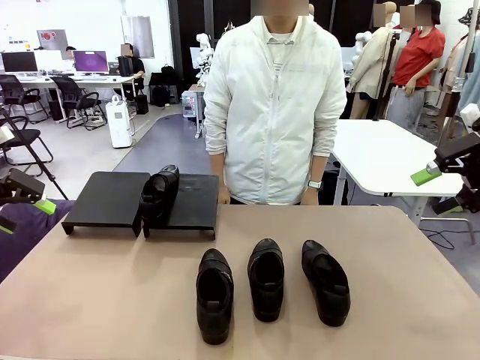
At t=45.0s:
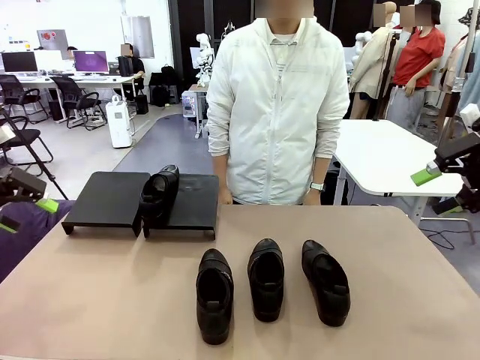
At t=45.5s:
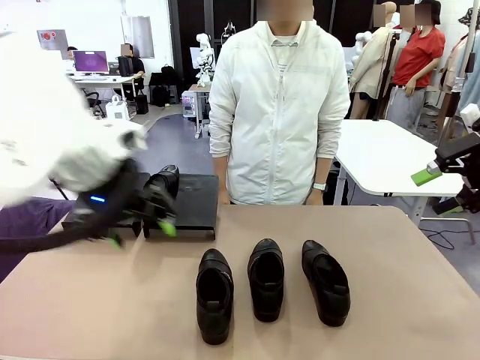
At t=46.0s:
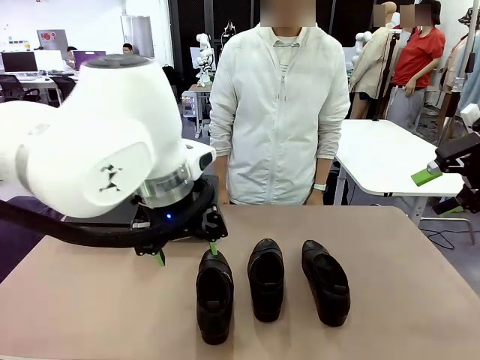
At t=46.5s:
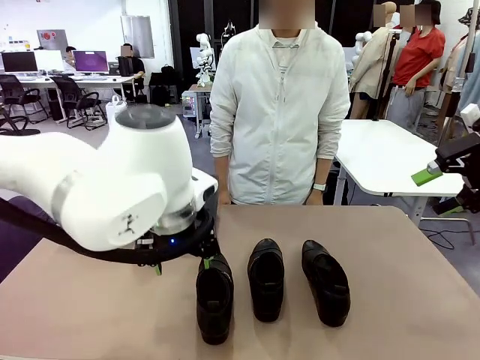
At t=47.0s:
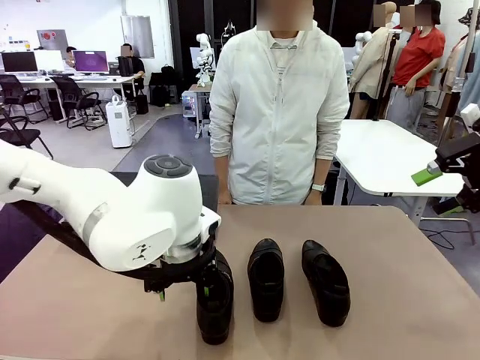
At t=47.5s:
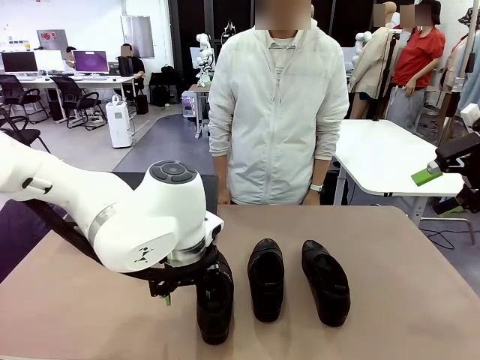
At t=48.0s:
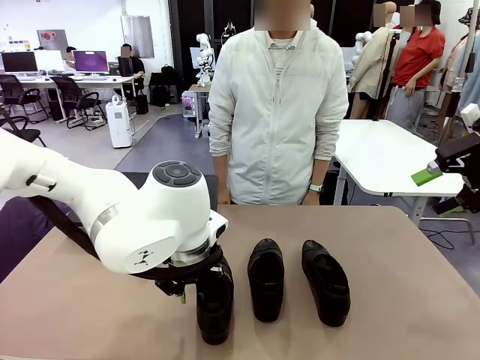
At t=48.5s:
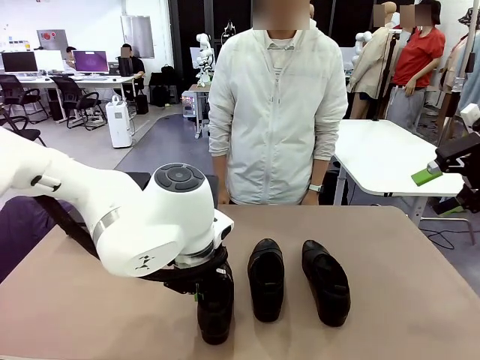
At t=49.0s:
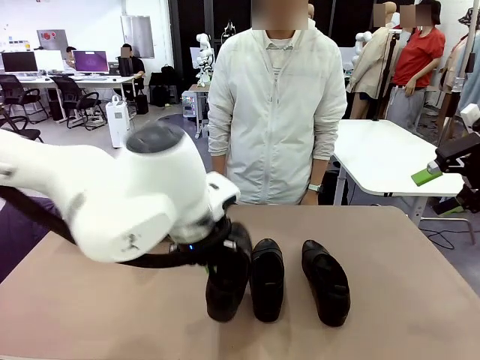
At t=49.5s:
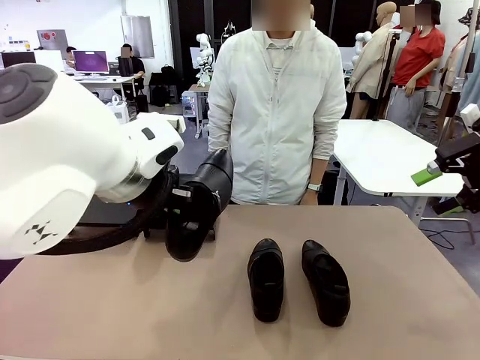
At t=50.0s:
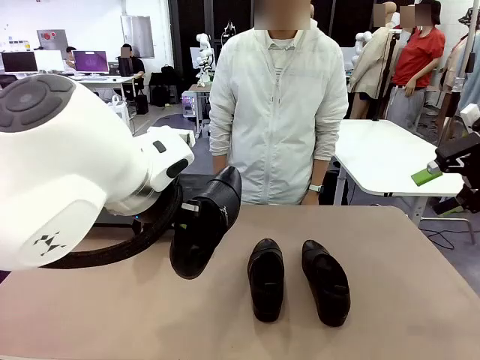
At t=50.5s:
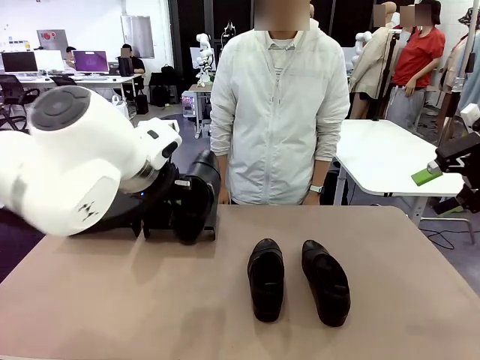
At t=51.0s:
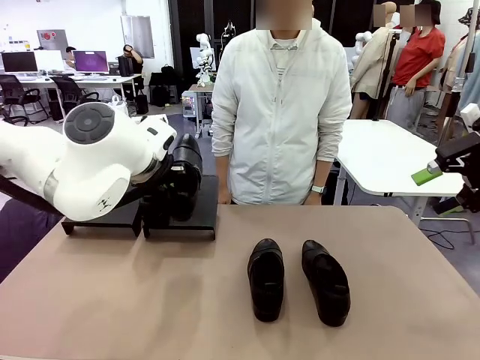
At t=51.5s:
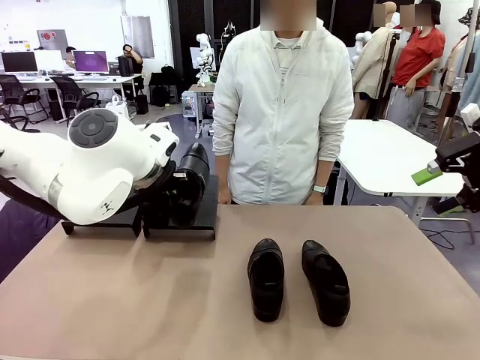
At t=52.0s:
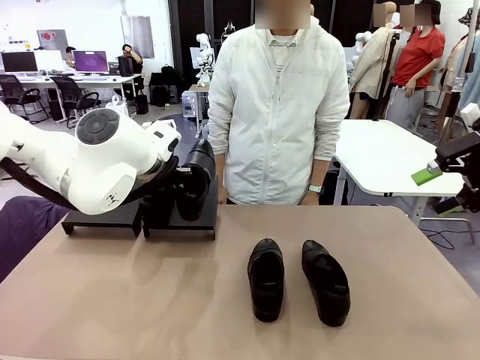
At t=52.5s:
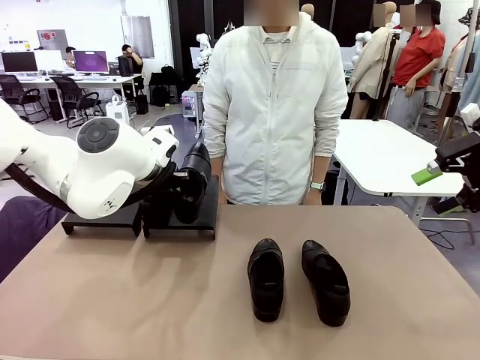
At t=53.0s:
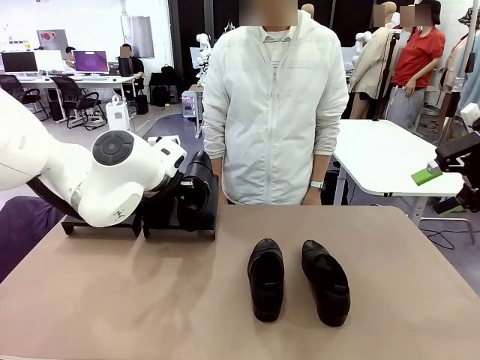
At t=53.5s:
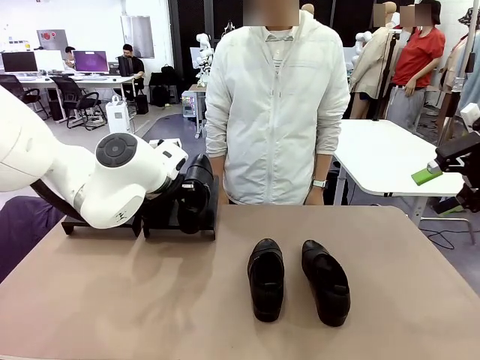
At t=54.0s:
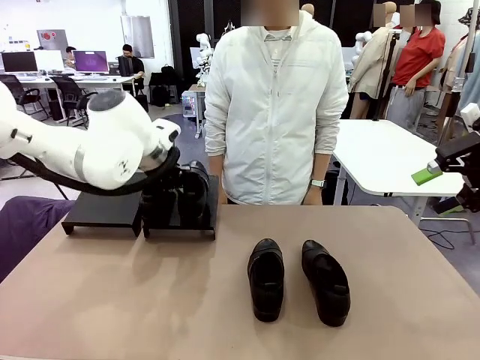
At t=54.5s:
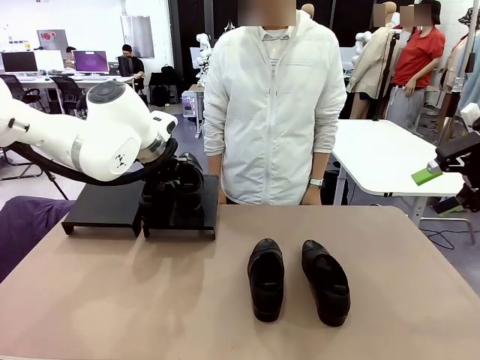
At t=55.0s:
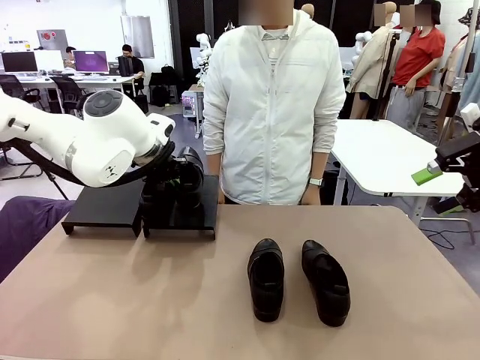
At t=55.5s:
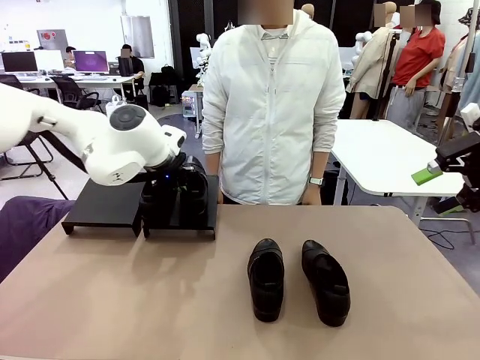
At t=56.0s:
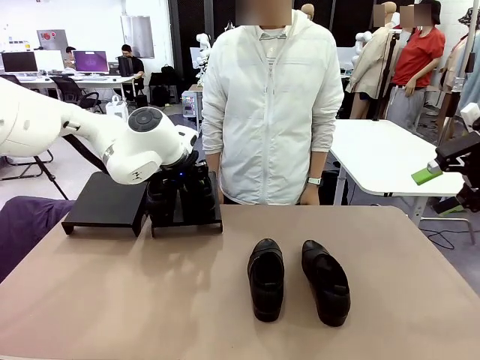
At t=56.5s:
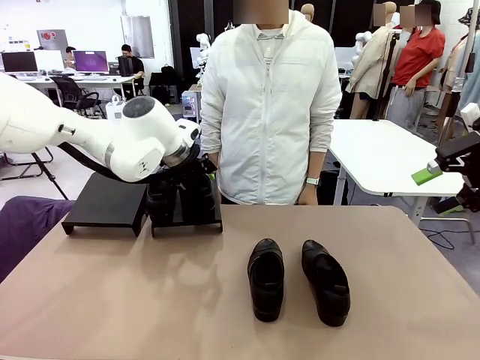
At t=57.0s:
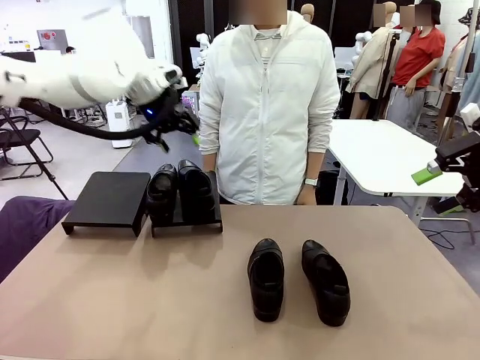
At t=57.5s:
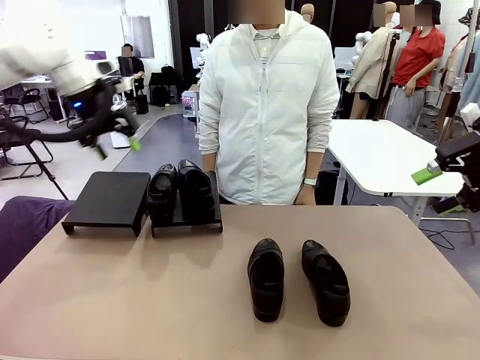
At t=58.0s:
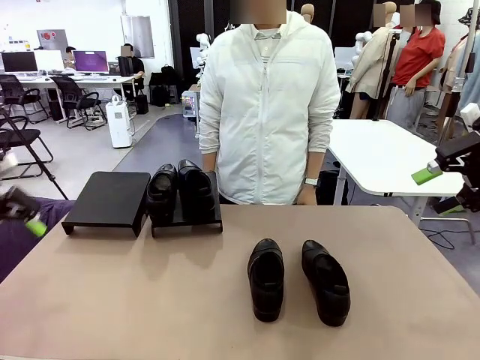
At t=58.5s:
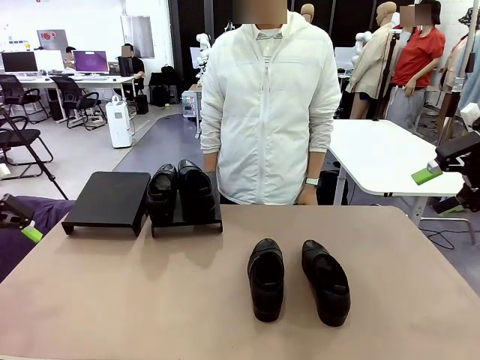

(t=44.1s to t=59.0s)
Task: Organize the shoes by placing them on the stand.
Robot: Place the Shoe from the middle of the table onto the Shoes Stand.

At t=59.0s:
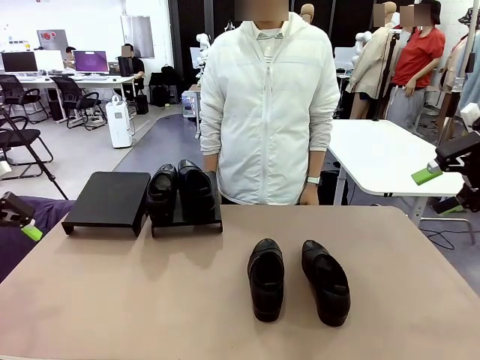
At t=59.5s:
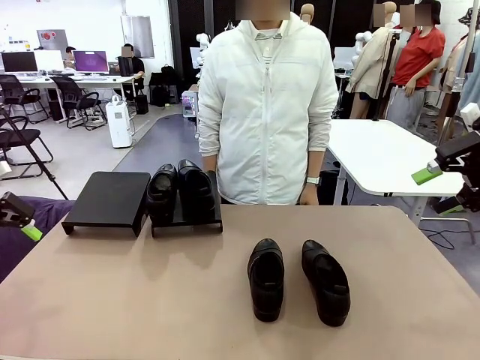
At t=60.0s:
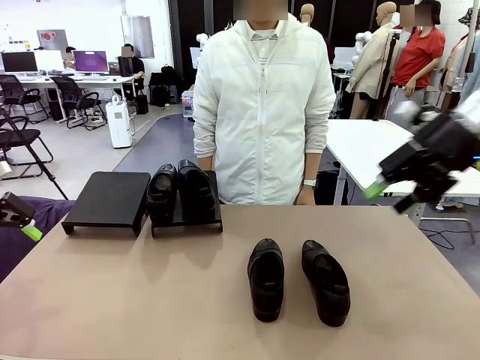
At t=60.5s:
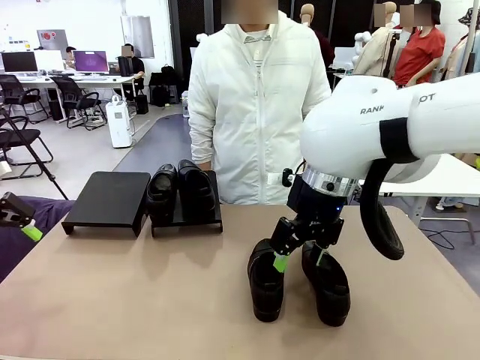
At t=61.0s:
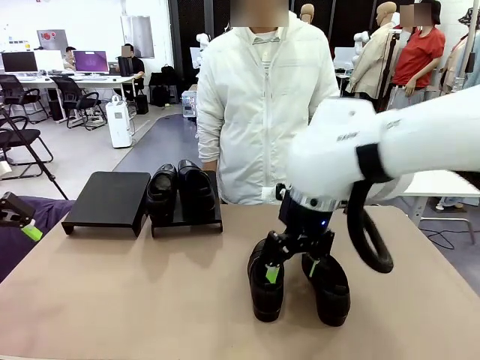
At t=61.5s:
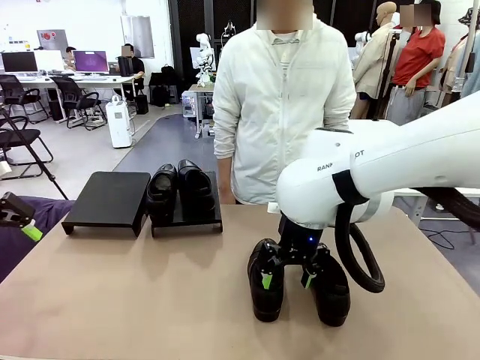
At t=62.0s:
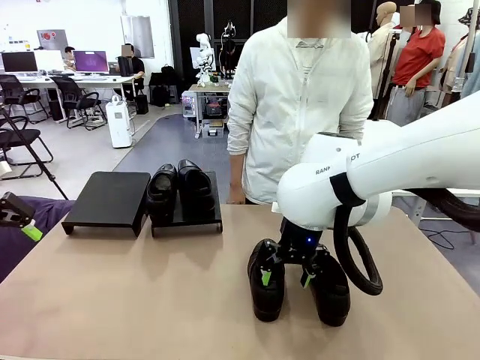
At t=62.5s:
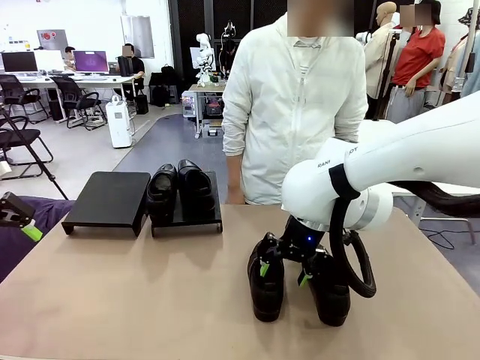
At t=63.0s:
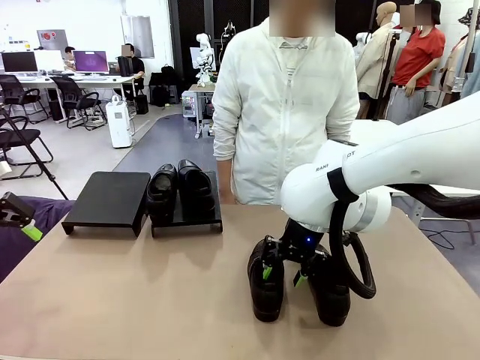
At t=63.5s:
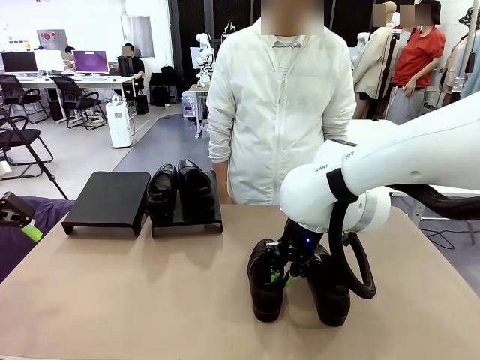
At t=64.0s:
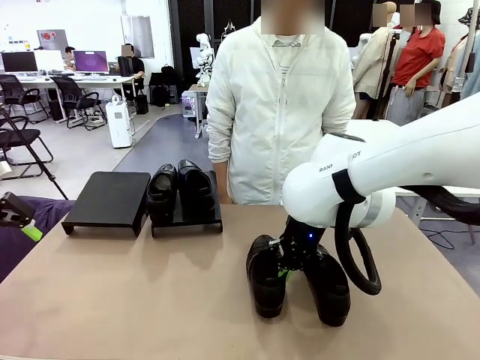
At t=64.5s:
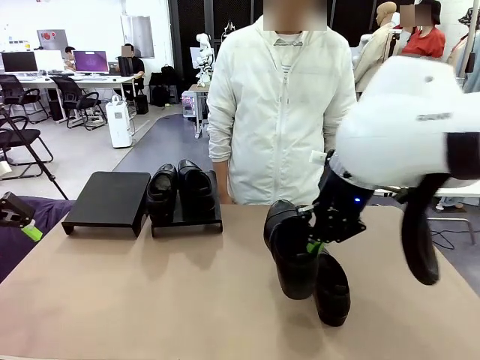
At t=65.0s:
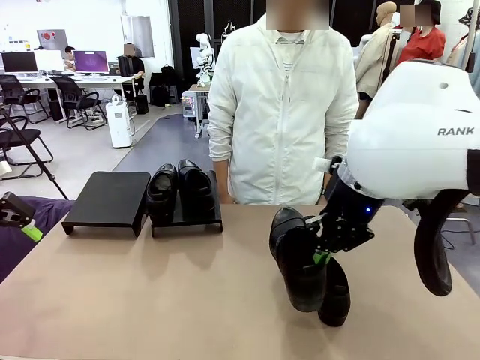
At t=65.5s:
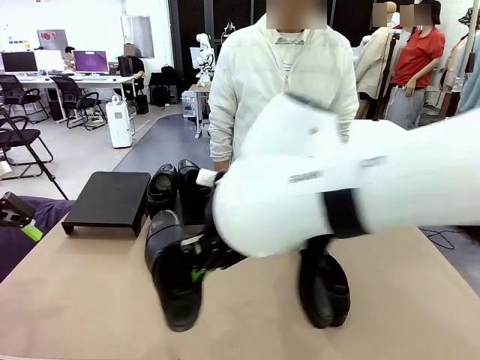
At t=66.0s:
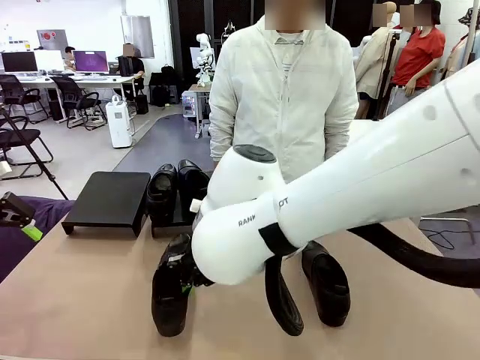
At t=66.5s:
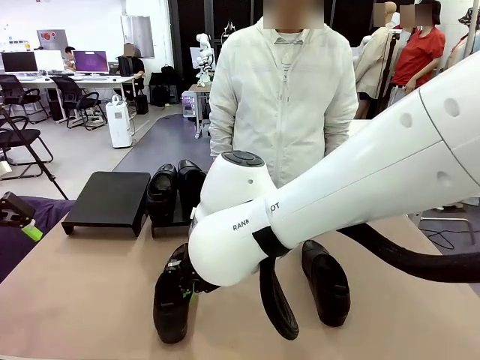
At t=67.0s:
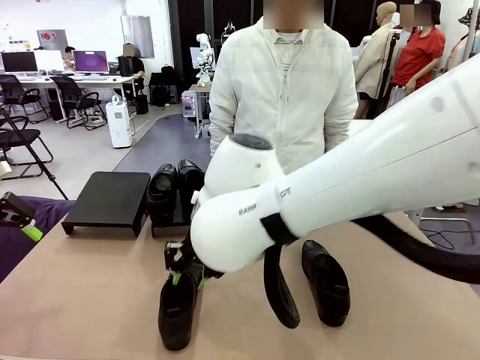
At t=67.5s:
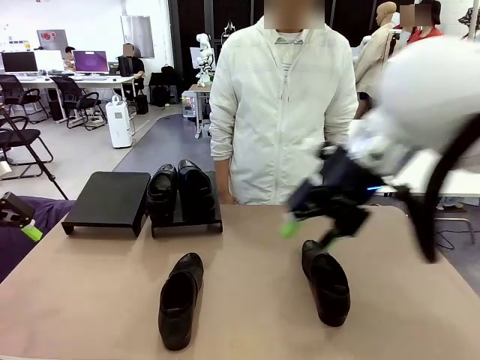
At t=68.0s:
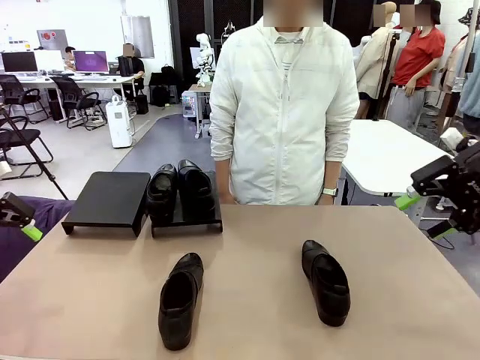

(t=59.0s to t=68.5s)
Robot: Pick up one Shoe and place it in the middle of the table.

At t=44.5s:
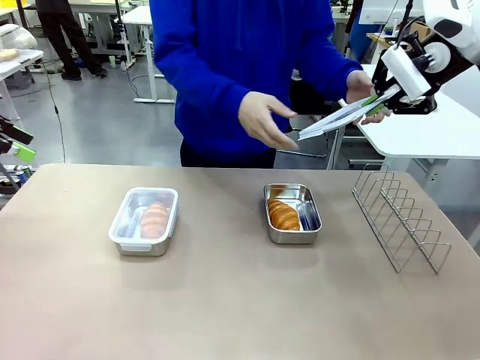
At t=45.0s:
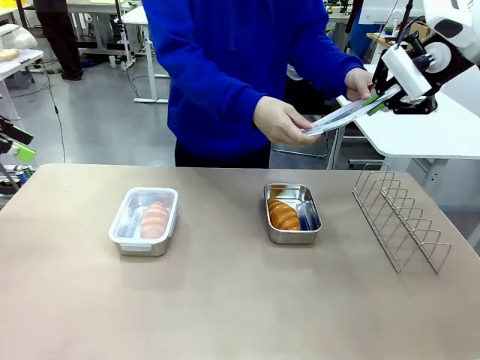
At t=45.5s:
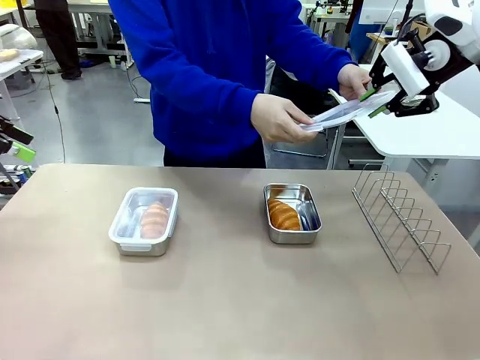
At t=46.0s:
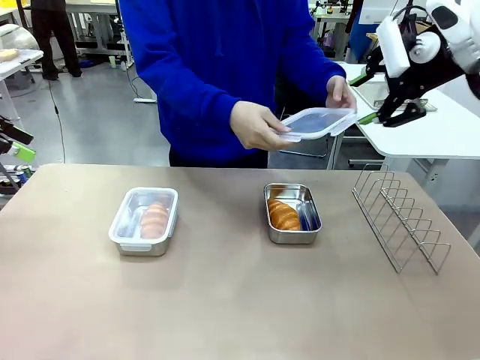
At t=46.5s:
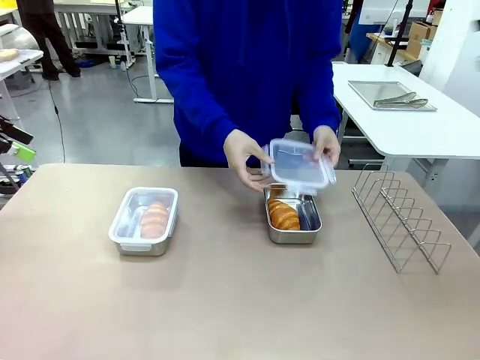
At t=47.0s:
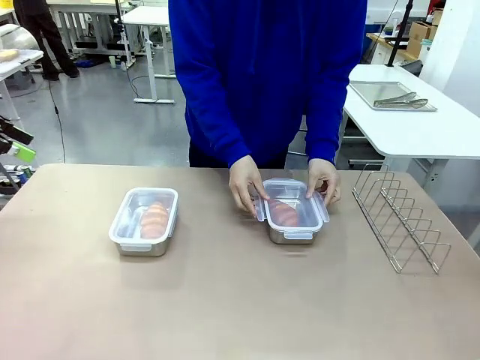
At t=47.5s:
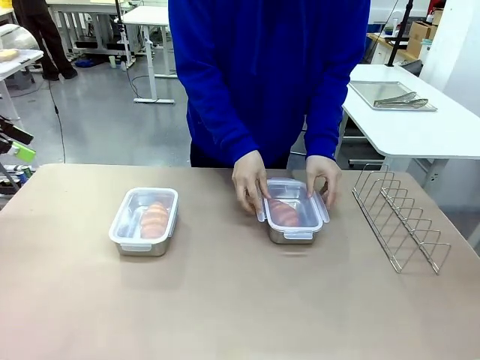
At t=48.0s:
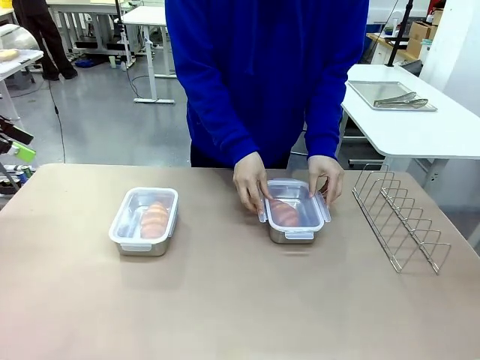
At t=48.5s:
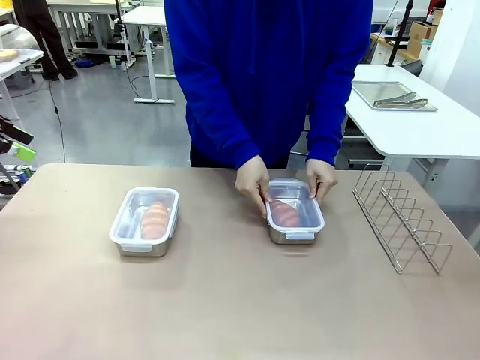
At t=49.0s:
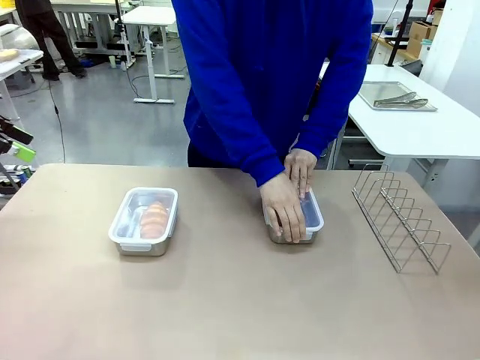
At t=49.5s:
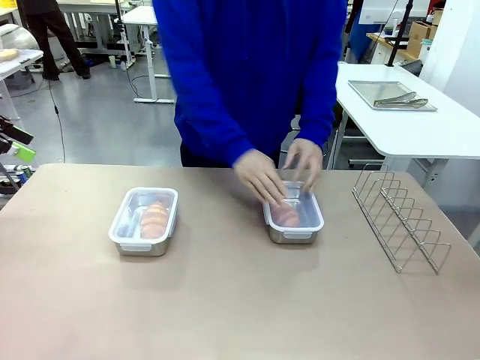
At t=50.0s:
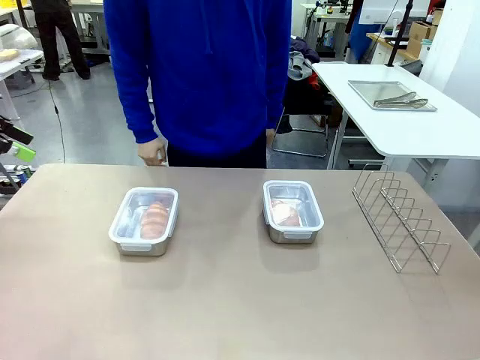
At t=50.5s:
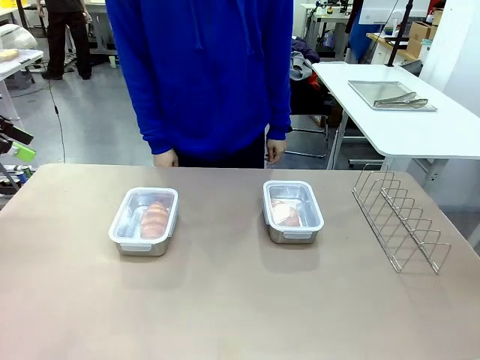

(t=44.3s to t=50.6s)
Task: Place the bread in airtight containers.
Robot: Release when the human grabs the Airtight Container lid.
Person: Close Airtight Container with a handed Airtight Container lid.
